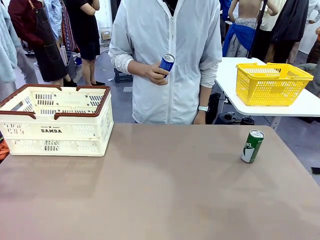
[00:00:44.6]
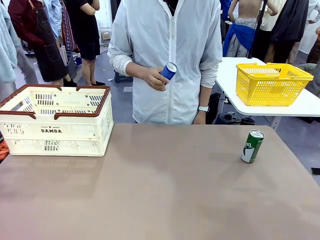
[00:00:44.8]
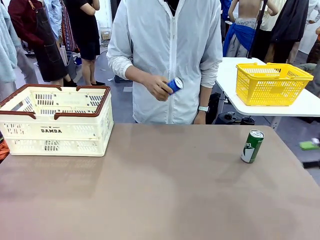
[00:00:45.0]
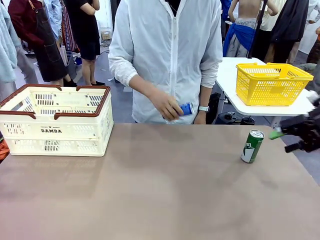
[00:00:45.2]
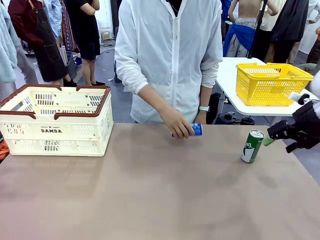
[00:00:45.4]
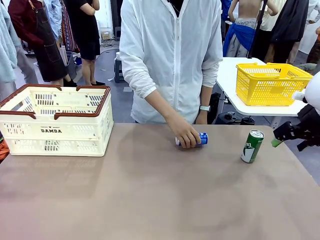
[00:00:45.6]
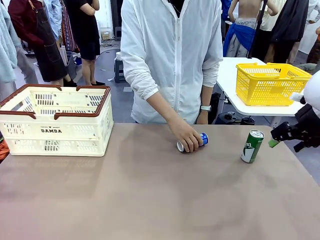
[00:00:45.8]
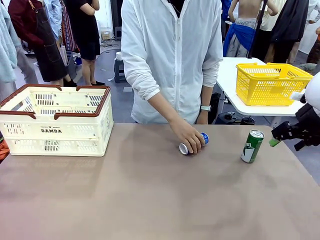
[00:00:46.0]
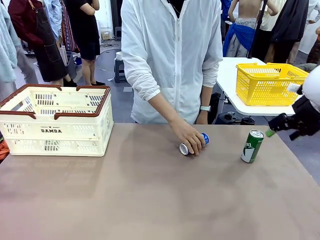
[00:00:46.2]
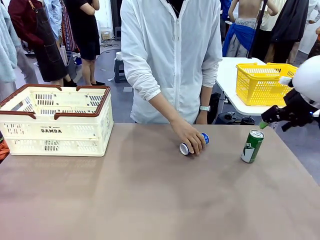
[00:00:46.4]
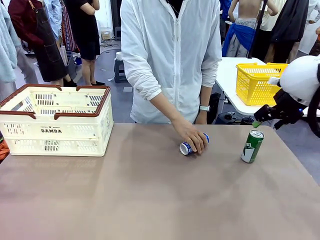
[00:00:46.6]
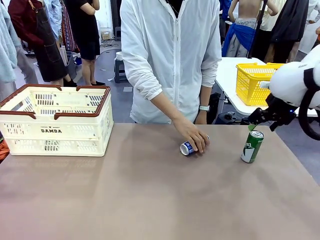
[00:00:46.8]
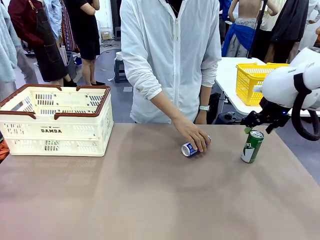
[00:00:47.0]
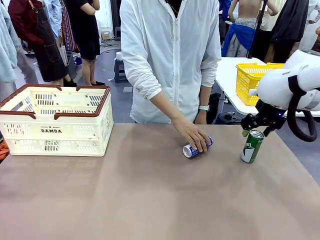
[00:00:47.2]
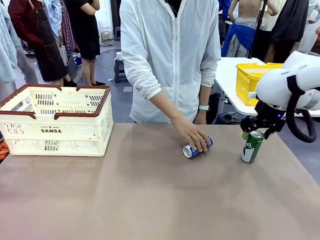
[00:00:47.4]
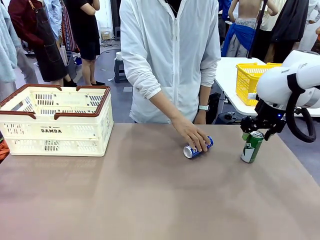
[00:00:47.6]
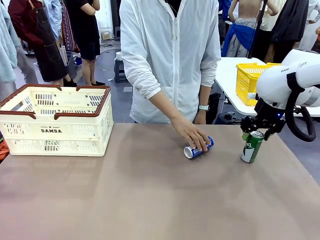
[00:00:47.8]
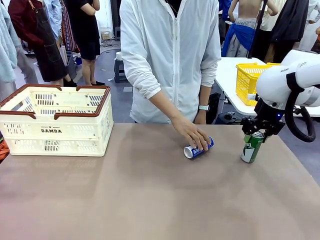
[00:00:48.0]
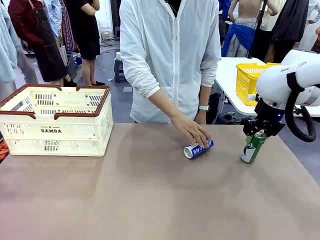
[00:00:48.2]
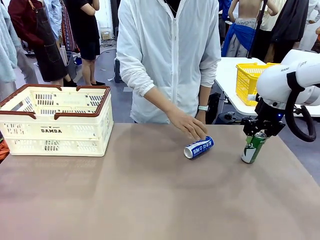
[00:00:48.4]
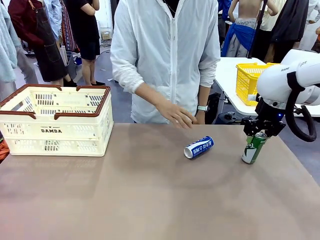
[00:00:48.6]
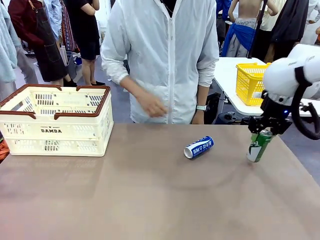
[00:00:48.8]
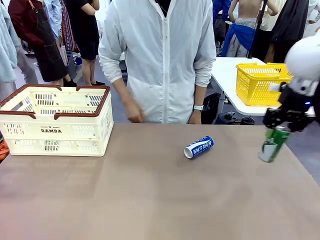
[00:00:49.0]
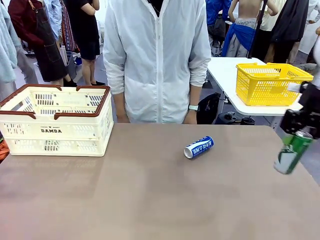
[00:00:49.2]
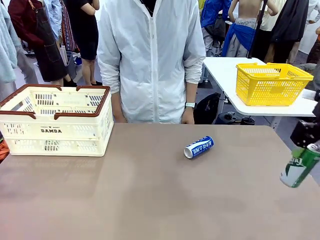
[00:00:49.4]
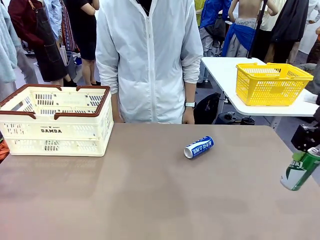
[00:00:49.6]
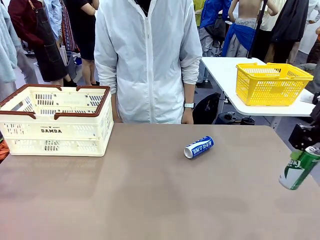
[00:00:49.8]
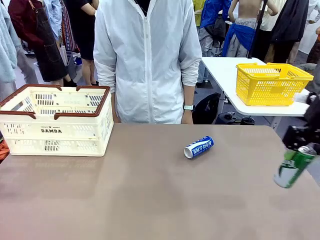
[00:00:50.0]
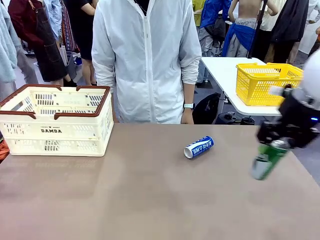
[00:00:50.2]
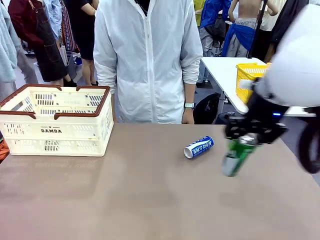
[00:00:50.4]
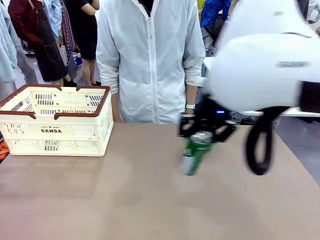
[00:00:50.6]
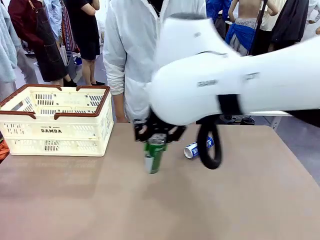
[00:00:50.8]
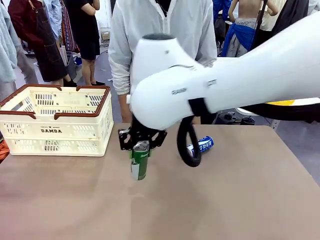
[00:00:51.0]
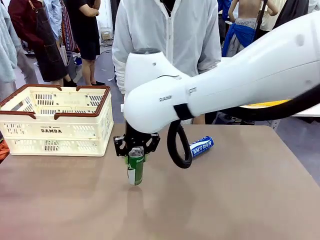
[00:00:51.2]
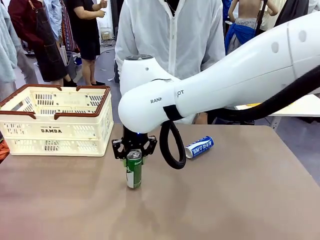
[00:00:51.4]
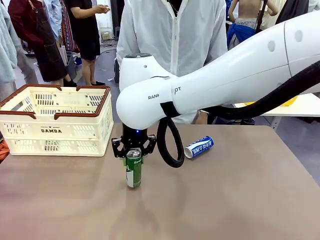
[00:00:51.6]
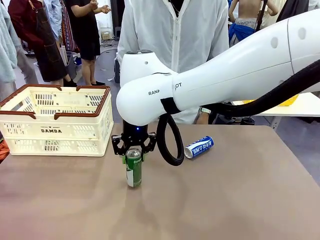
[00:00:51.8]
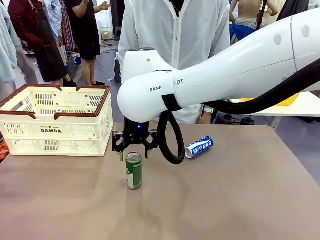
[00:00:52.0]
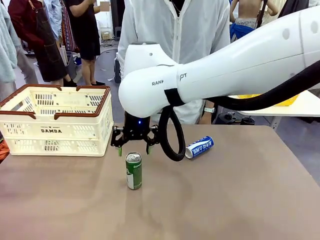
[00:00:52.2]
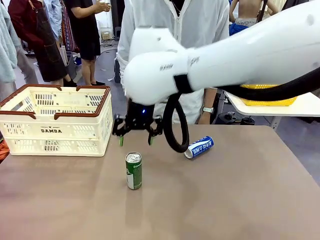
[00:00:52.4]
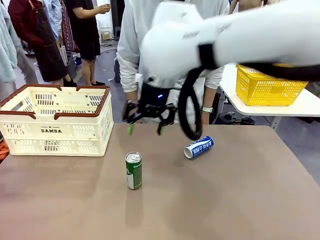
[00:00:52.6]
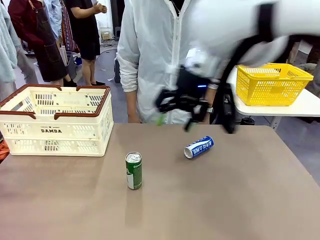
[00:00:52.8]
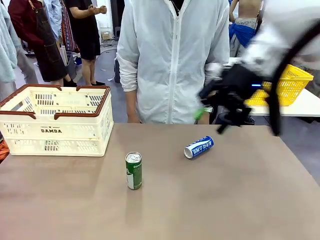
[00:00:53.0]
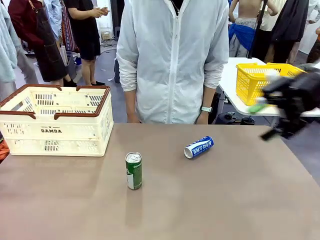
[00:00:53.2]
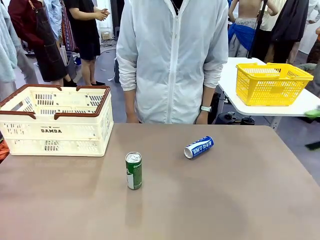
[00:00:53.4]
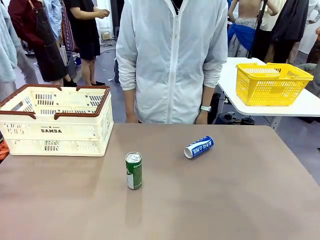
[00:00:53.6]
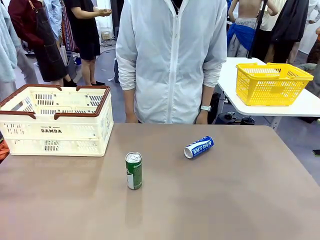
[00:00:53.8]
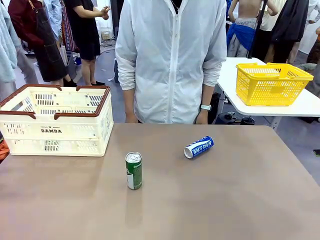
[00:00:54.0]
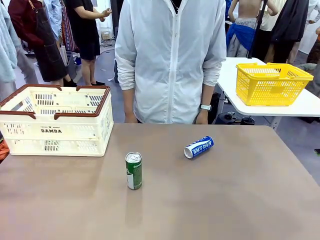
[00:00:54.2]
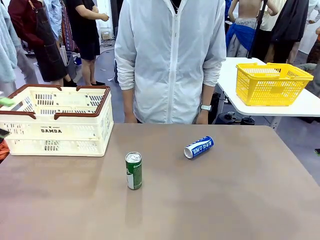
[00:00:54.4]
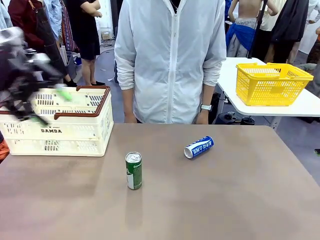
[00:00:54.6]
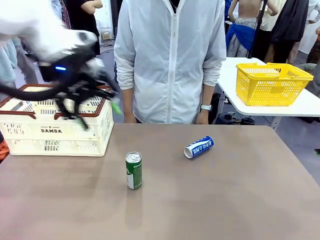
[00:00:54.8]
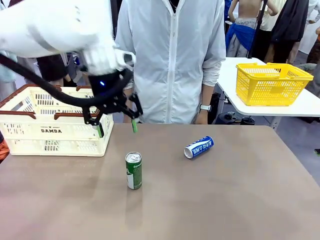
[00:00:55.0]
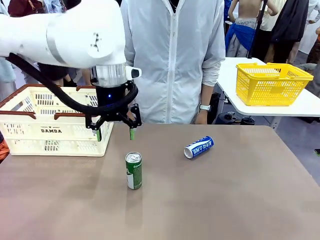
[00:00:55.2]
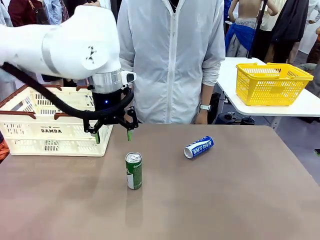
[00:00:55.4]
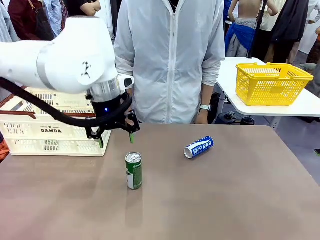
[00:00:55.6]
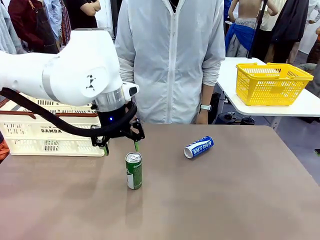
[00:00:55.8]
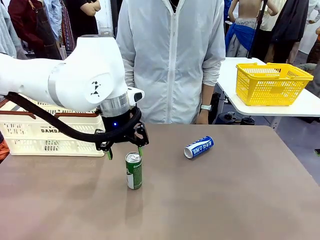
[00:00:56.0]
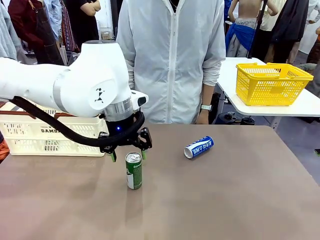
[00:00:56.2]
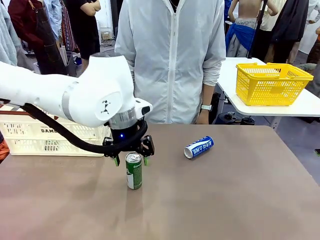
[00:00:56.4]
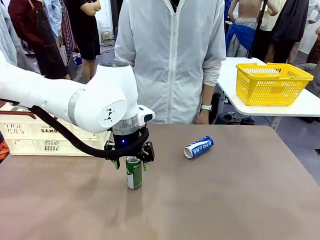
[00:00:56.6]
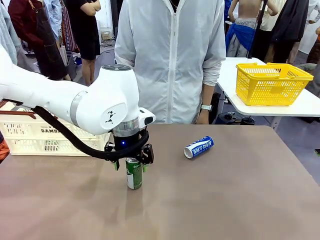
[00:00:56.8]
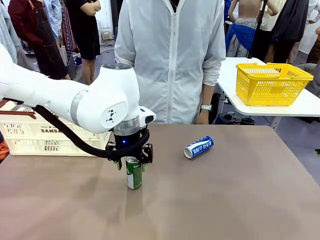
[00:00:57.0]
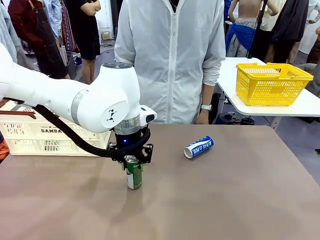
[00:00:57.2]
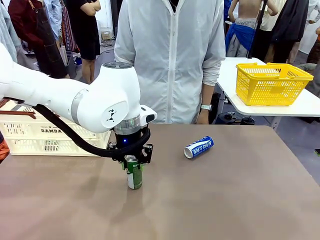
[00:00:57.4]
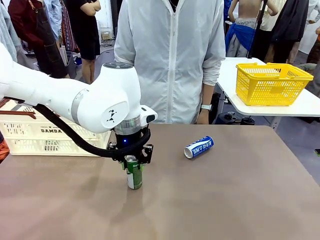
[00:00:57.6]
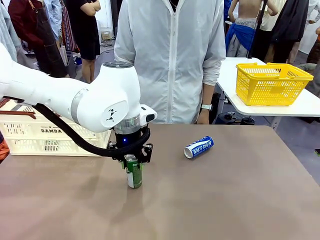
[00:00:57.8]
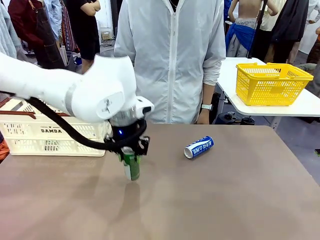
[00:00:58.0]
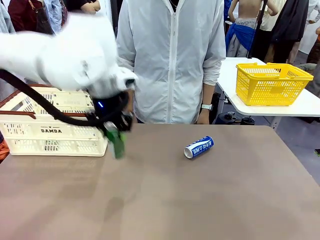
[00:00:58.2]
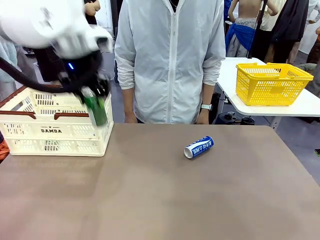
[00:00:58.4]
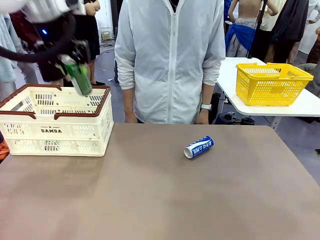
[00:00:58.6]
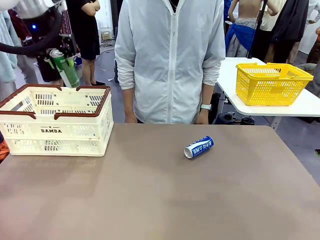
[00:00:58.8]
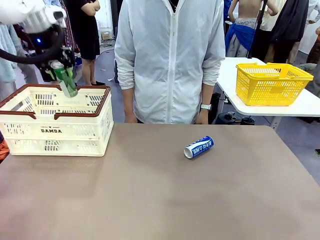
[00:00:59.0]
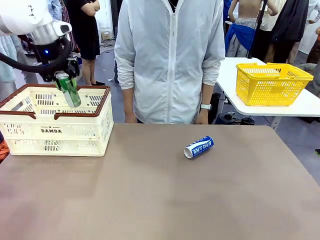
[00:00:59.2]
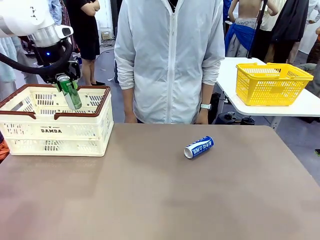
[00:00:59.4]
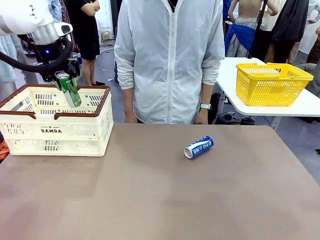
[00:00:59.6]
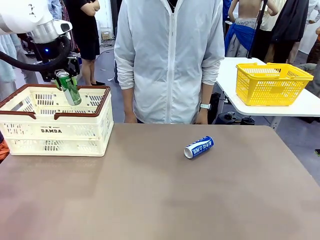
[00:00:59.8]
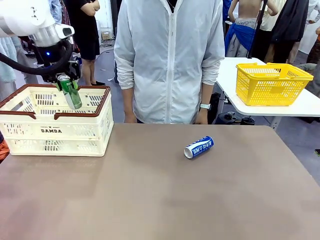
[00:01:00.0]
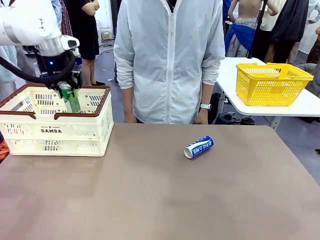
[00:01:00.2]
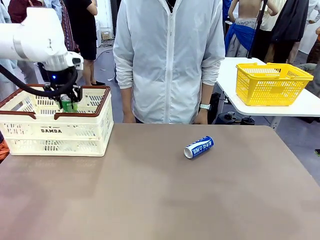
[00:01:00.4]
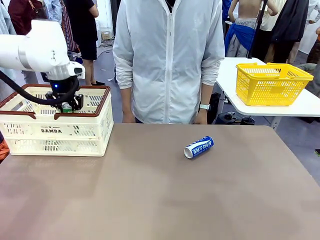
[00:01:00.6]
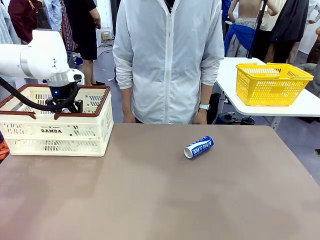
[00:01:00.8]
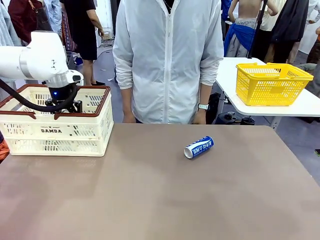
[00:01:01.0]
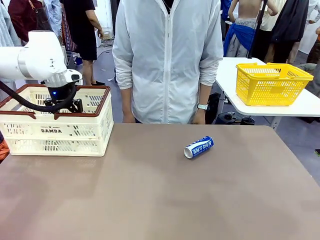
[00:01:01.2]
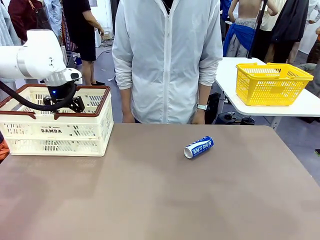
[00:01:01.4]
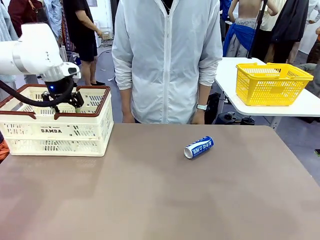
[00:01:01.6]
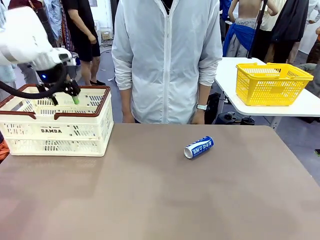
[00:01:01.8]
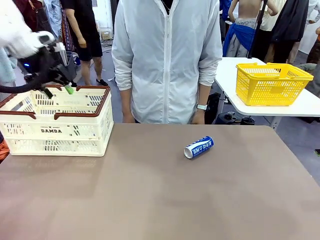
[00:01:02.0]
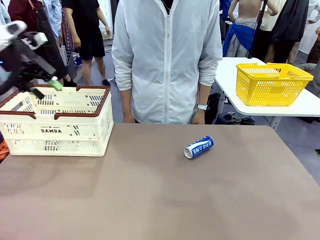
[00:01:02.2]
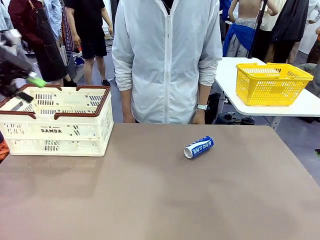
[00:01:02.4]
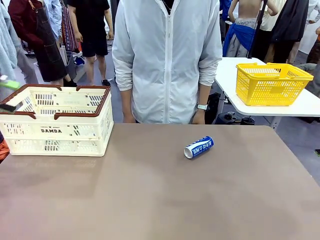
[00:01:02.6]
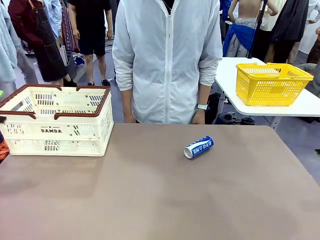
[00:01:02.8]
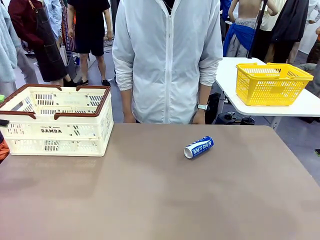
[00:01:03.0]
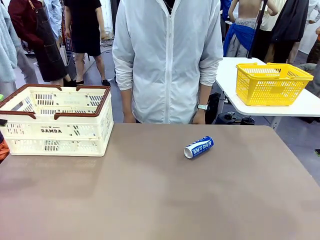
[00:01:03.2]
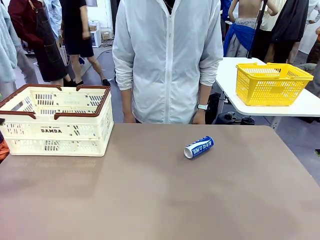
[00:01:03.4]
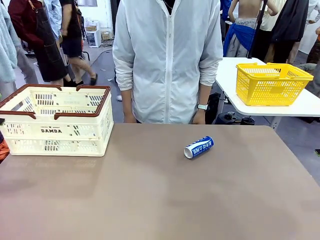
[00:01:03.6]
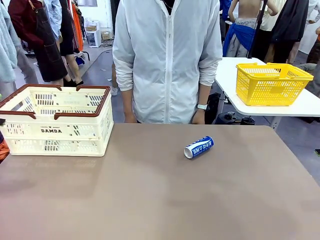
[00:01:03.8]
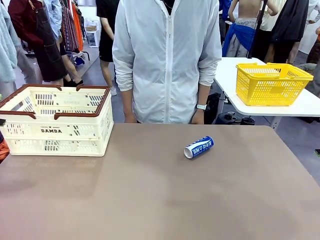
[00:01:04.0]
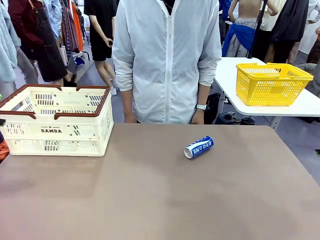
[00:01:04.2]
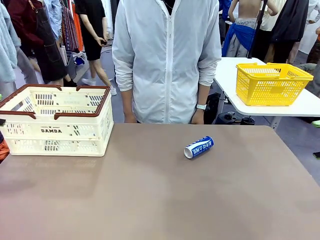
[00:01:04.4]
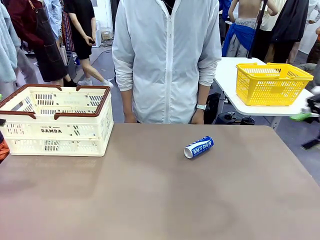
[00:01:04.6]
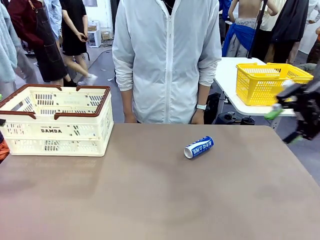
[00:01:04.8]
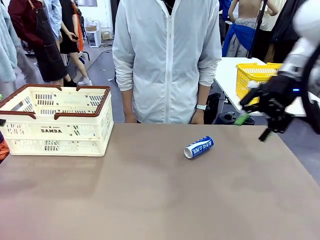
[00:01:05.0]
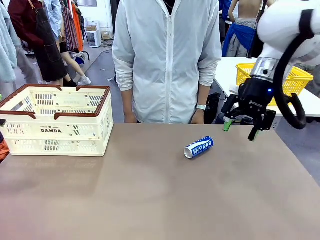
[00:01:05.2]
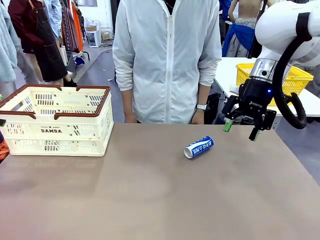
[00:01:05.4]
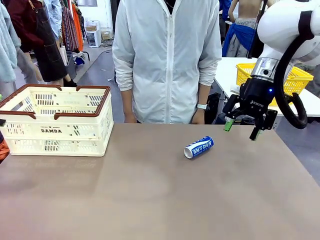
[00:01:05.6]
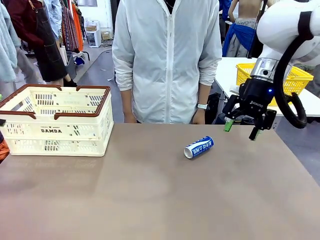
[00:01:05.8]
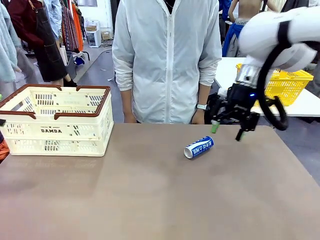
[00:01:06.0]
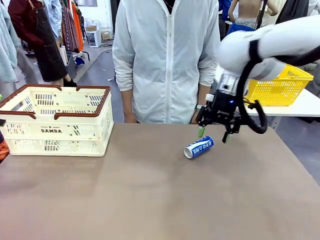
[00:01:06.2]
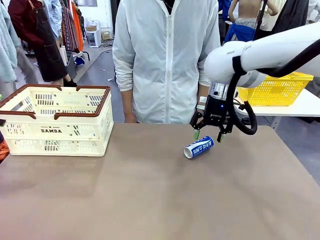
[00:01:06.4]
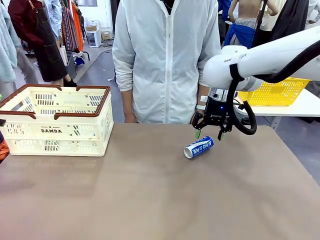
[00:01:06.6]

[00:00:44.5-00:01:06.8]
Task: Place the drinks into the Shopping basket.
Robot: Pick up one drink and place it into the Shopping basket.
